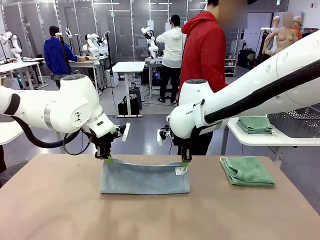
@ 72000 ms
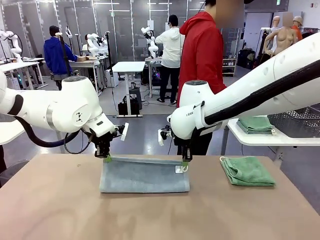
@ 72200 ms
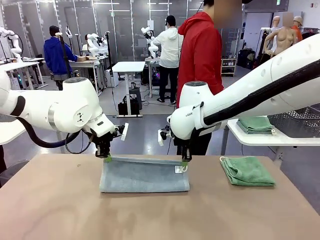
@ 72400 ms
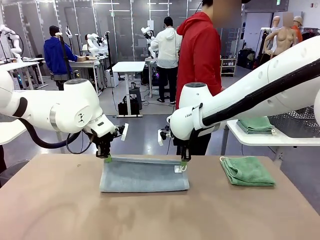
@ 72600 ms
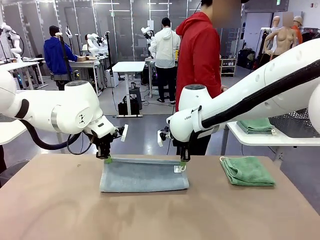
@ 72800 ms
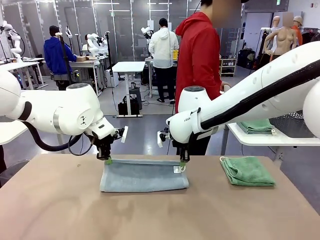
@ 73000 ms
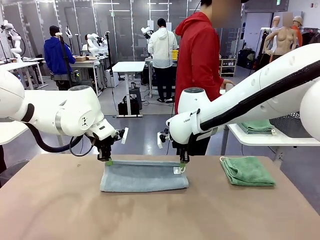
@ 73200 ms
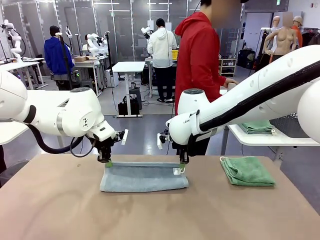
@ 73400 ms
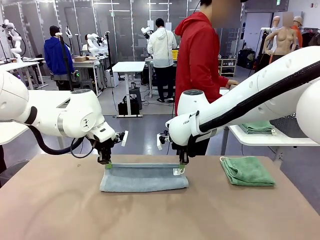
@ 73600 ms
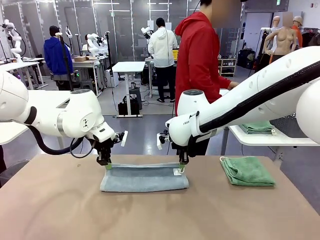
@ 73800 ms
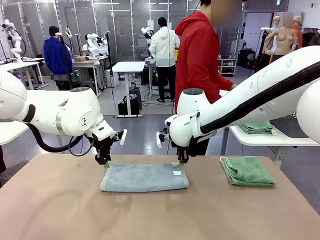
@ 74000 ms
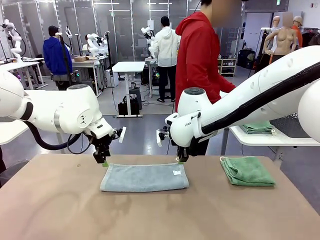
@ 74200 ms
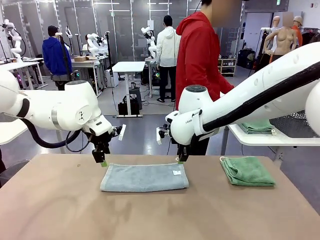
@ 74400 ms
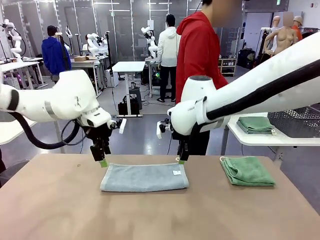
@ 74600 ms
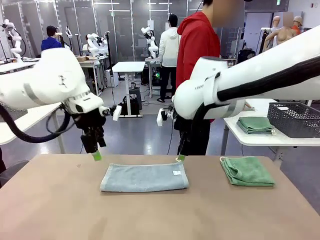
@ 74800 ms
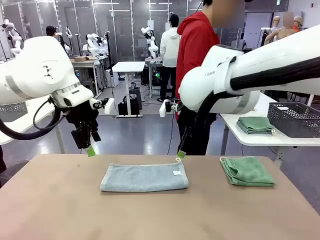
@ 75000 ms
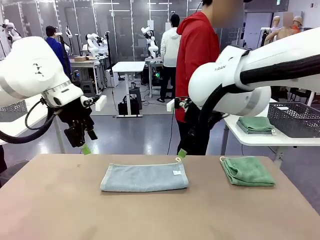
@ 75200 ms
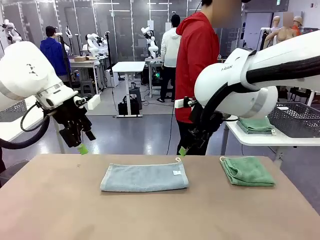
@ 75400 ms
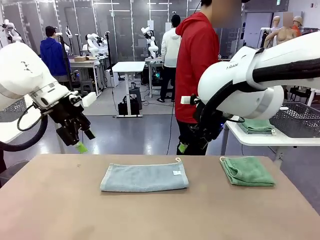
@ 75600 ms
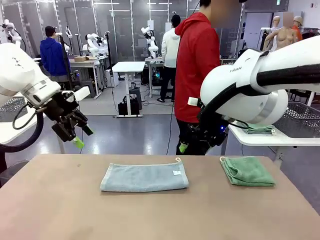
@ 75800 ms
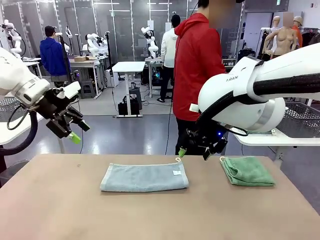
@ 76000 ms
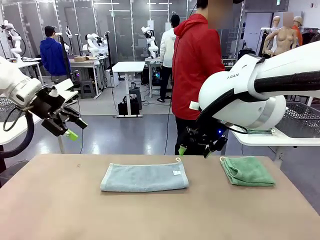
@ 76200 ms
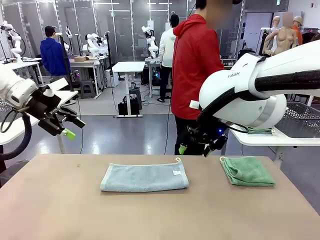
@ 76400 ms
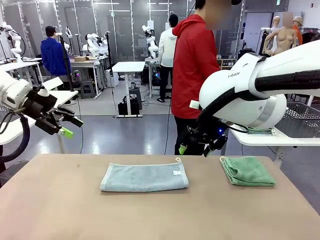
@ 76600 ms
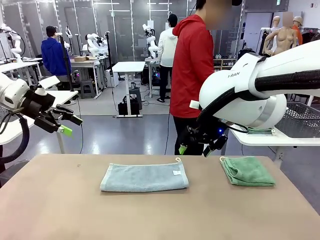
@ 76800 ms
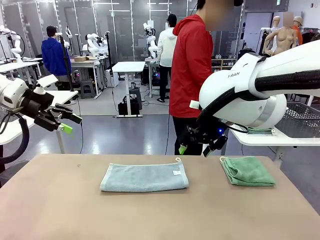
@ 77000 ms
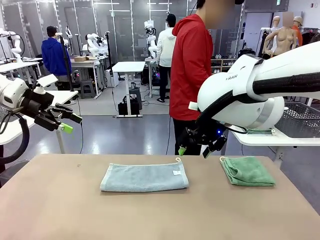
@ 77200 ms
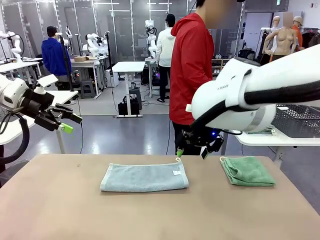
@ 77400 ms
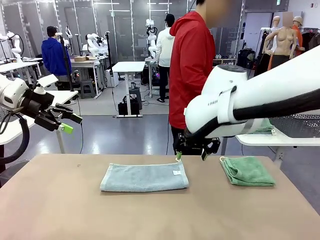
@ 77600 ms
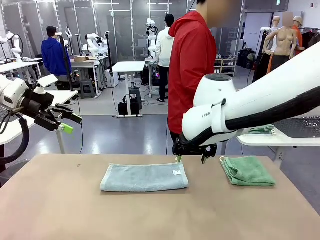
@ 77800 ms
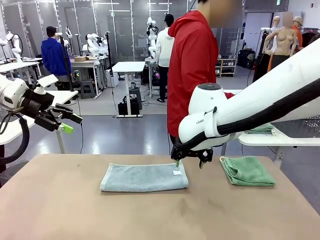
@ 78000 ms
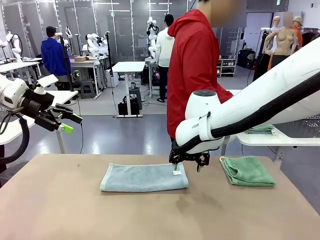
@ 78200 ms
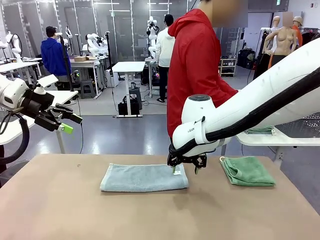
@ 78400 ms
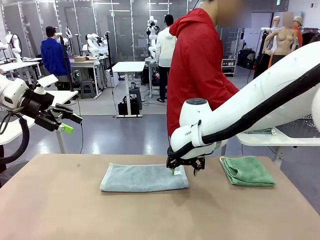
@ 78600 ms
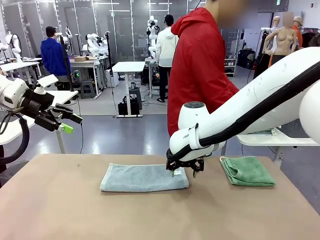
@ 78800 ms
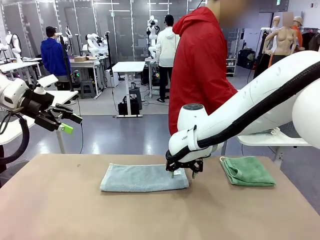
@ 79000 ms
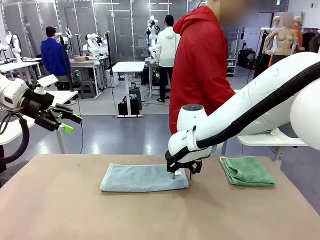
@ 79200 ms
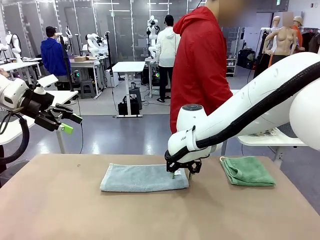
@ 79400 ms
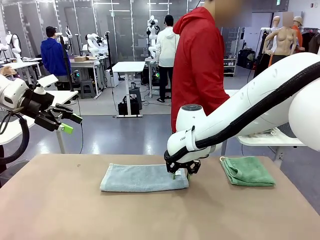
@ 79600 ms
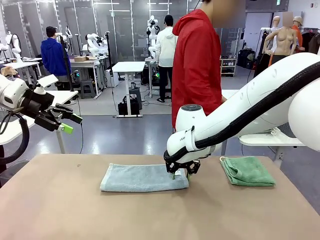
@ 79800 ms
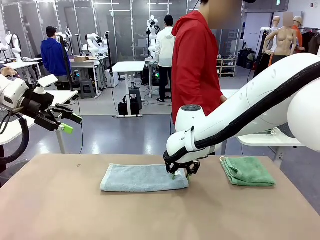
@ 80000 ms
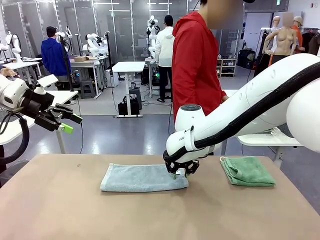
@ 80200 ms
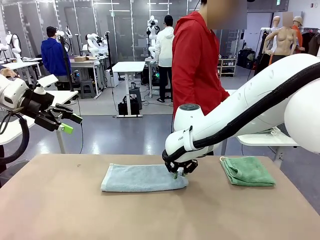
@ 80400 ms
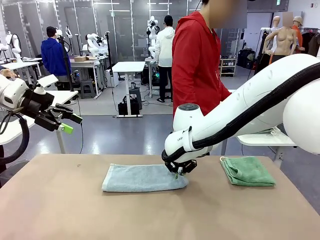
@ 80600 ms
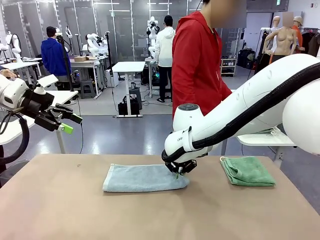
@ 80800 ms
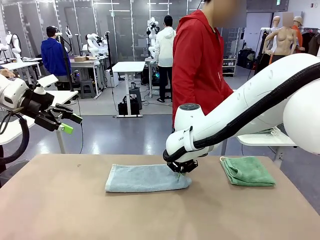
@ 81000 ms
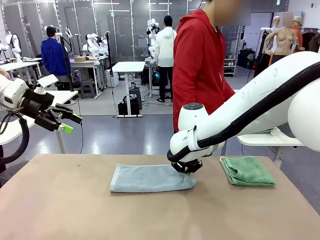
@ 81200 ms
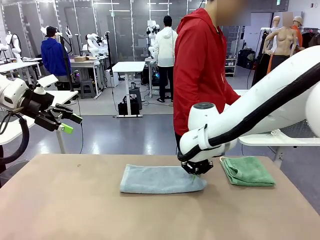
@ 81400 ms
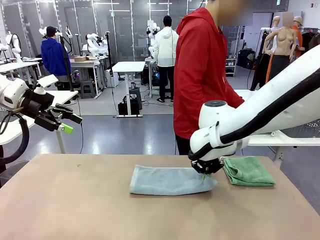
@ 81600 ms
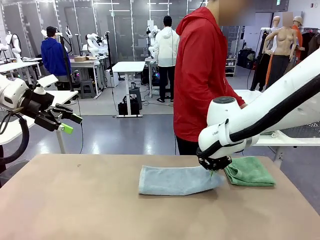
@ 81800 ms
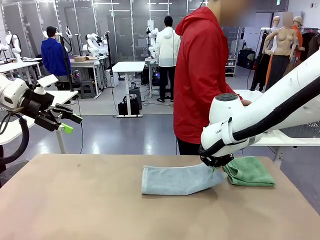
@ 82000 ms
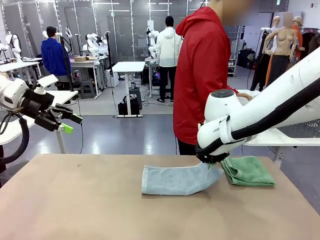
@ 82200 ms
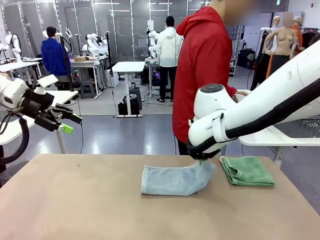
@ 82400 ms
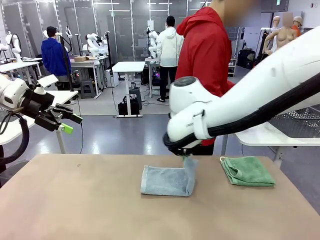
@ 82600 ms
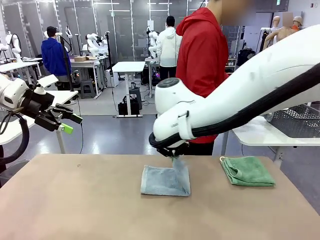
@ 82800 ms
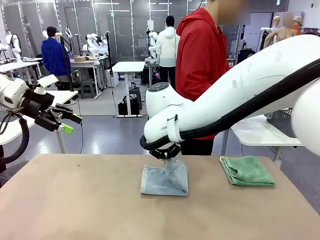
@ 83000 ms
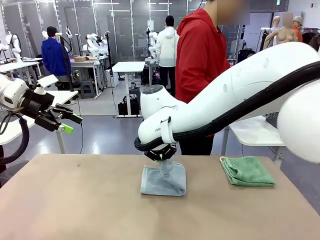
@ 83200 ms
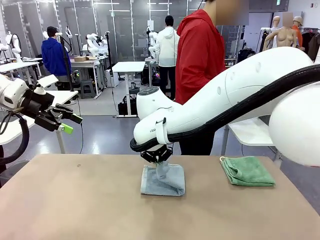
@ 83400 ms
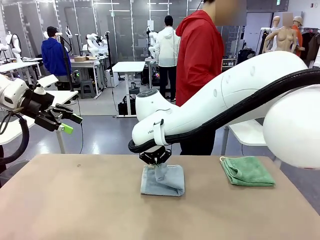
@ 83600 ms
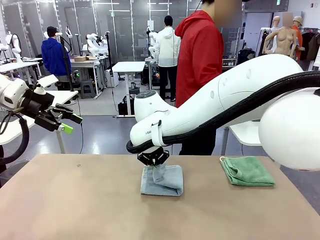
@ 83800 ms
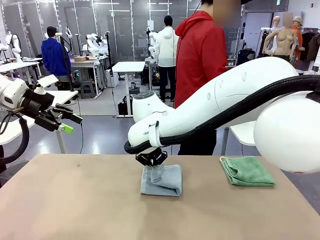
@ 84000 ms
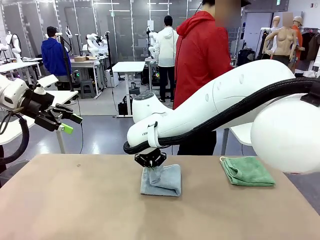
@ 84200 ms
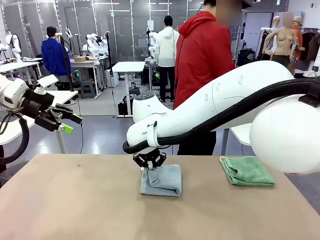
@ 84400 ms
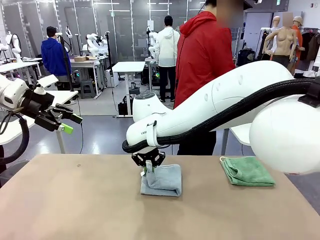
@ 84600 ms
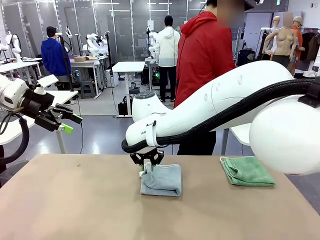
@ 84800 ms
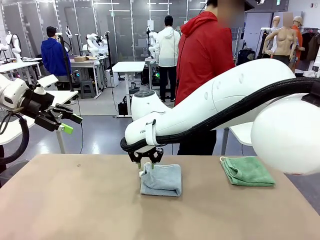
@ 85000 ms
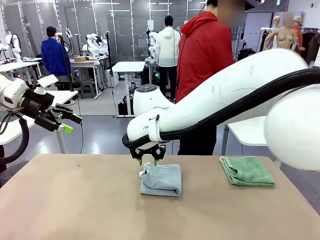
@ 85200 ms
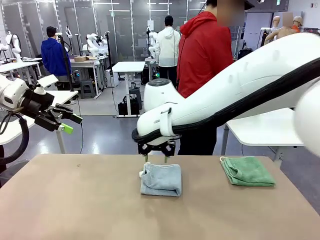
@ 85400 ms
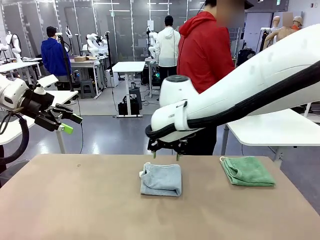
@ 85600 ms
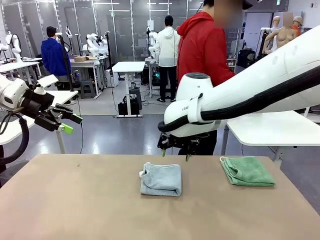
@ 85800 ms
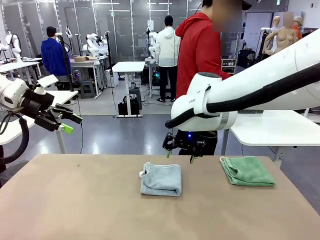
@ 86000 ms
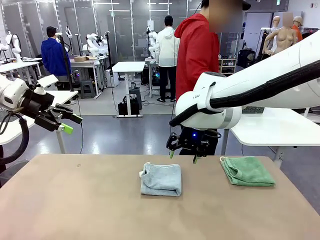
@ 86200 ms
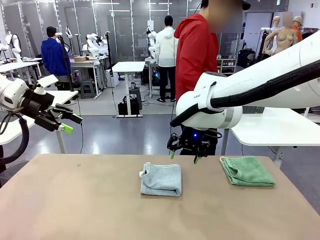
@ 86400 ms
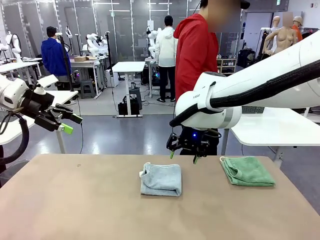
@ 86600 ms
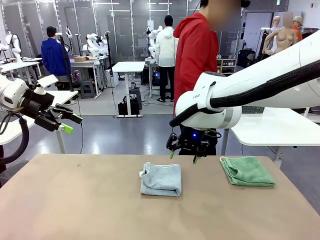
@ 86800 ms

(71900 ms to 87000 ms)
Task: Fold the towels and place them in the basket.
Robot: When a person lays out a Towel with hook on the table, fold it in half twice.
Person: Pick up the stack of towels from the right side of the human table, place it into the basket, and put the basket at the center of the table.
